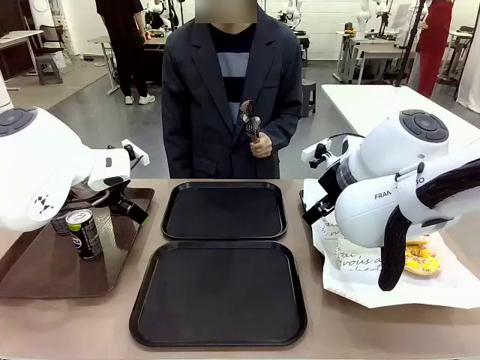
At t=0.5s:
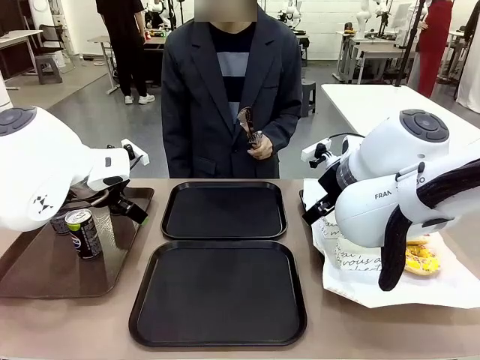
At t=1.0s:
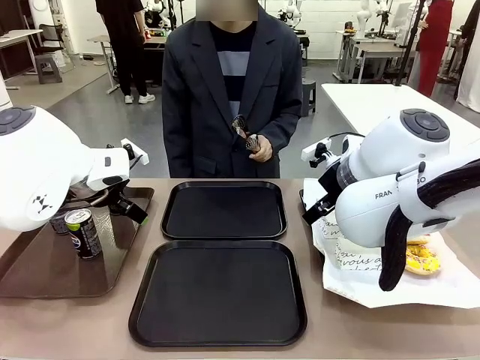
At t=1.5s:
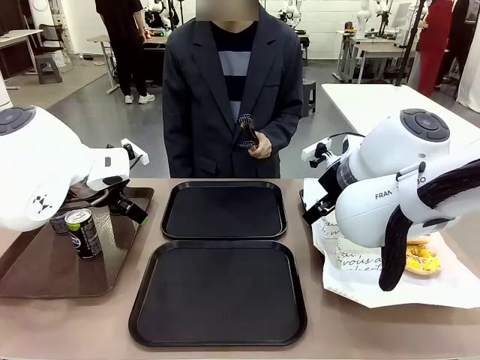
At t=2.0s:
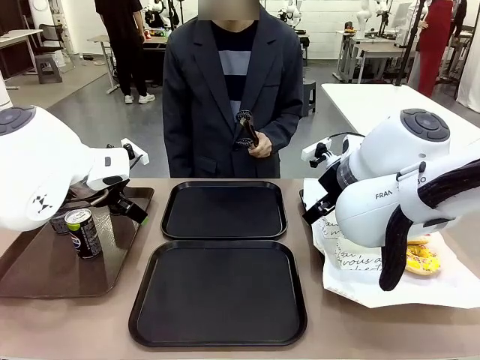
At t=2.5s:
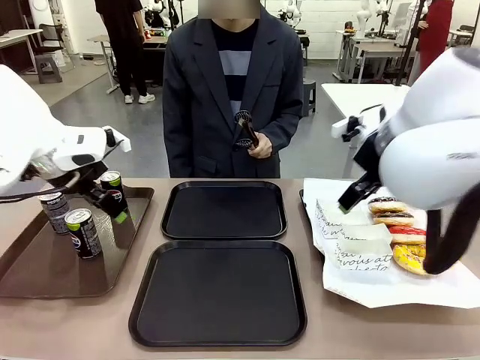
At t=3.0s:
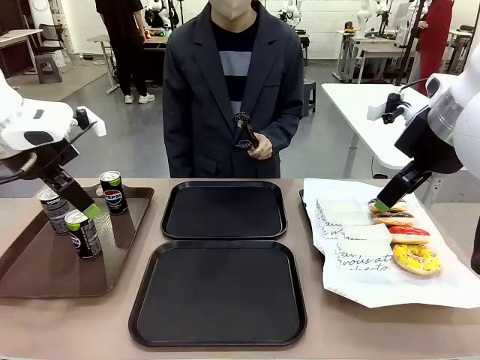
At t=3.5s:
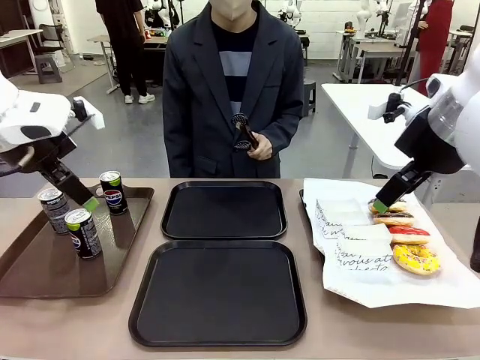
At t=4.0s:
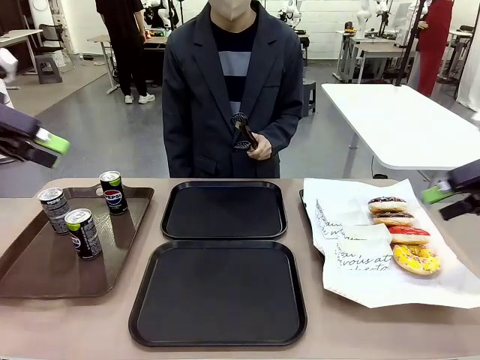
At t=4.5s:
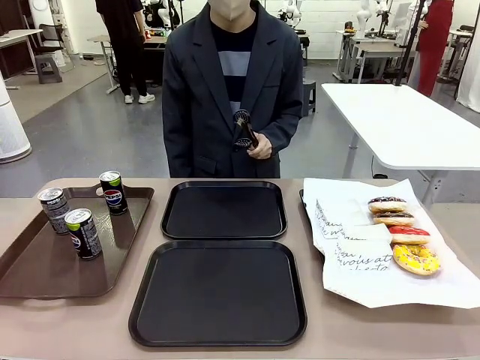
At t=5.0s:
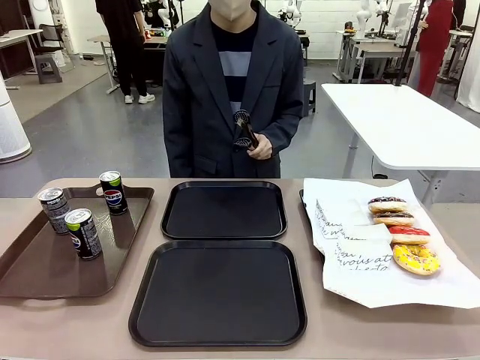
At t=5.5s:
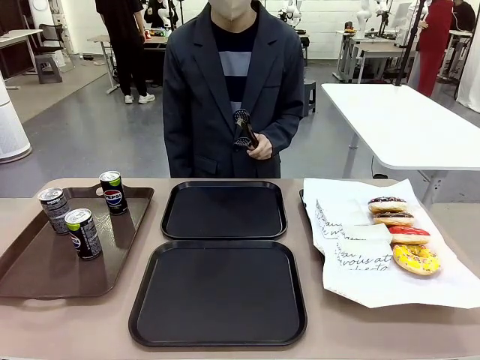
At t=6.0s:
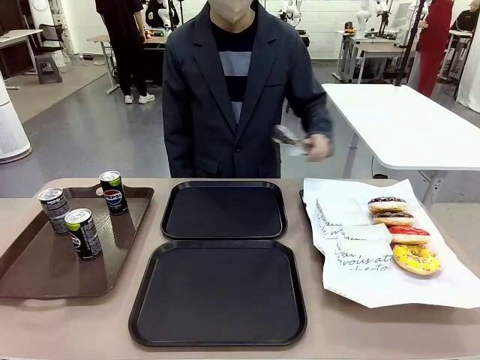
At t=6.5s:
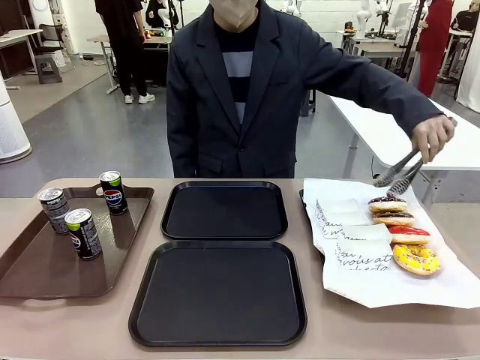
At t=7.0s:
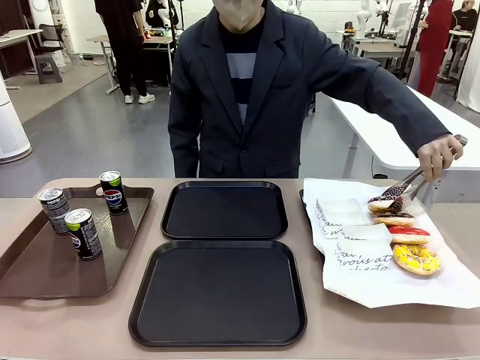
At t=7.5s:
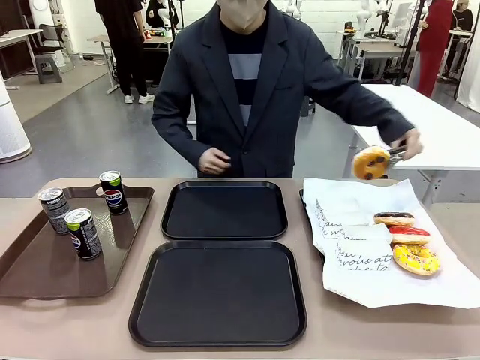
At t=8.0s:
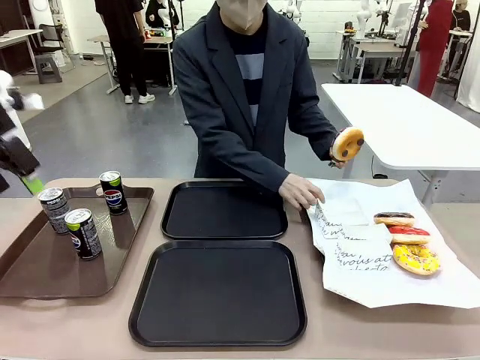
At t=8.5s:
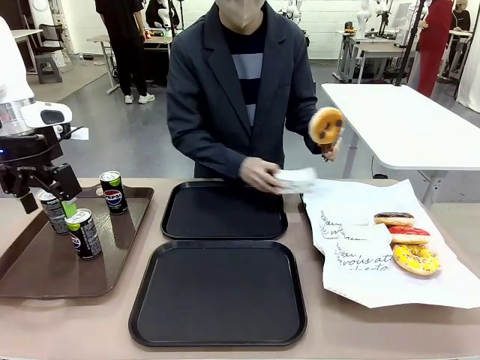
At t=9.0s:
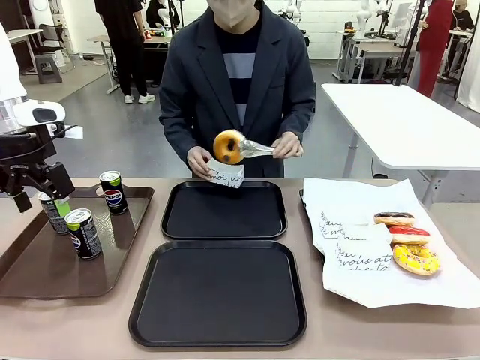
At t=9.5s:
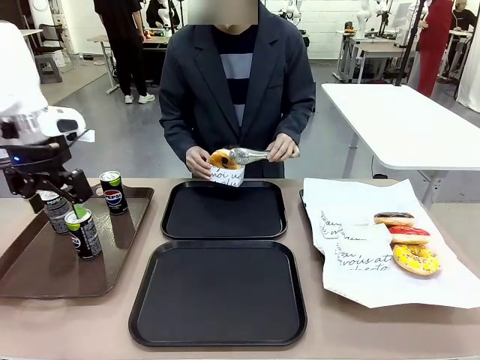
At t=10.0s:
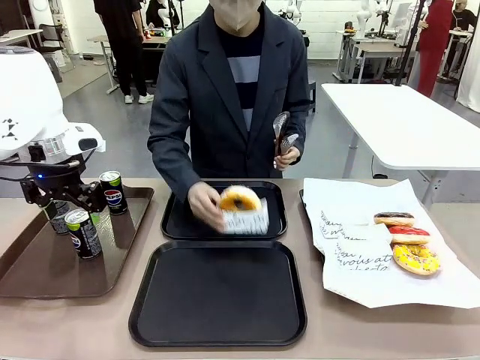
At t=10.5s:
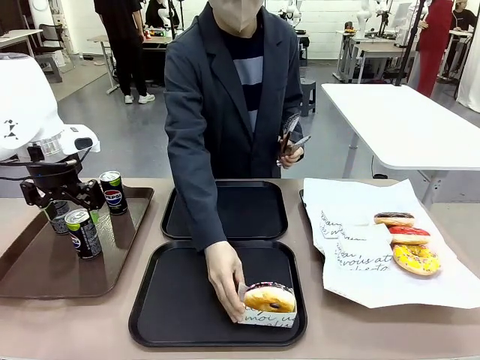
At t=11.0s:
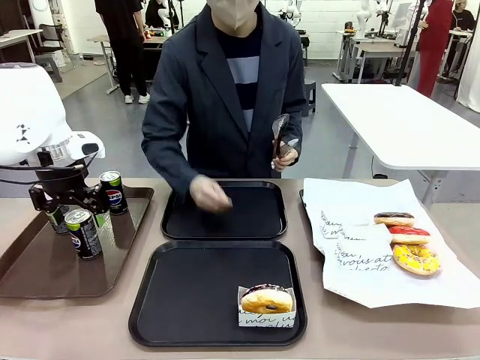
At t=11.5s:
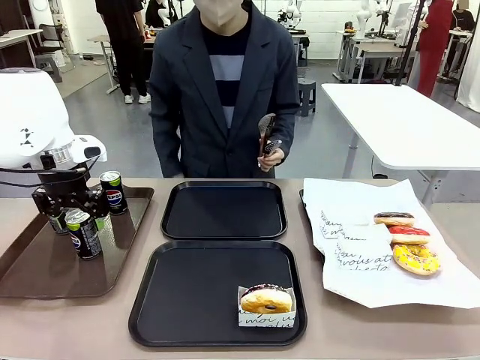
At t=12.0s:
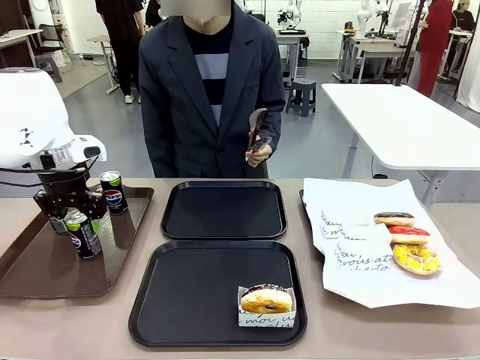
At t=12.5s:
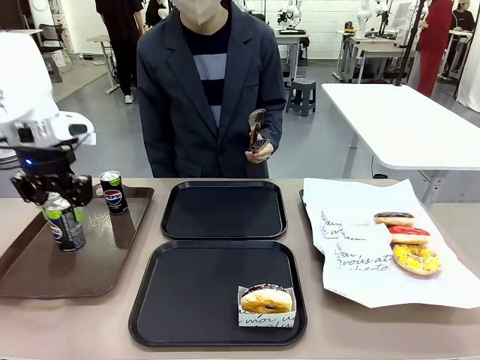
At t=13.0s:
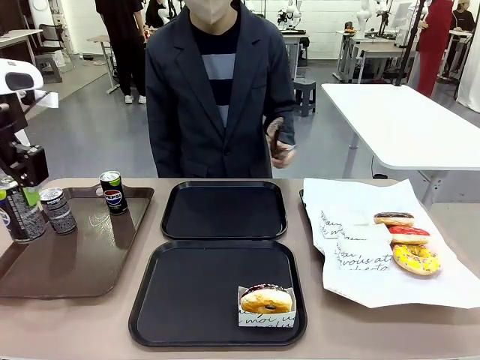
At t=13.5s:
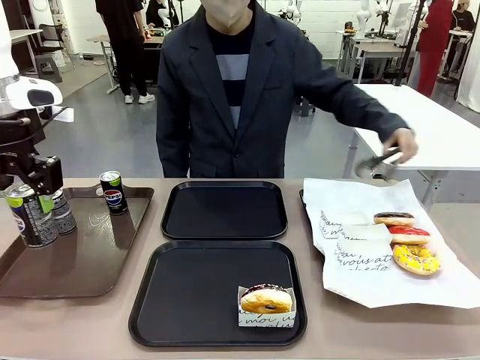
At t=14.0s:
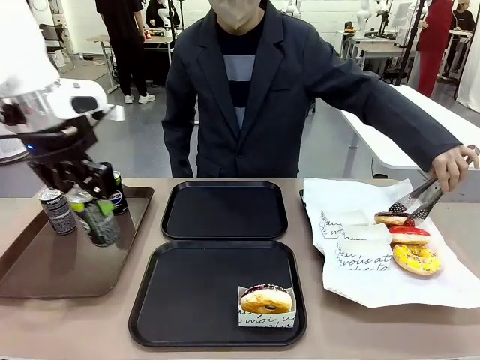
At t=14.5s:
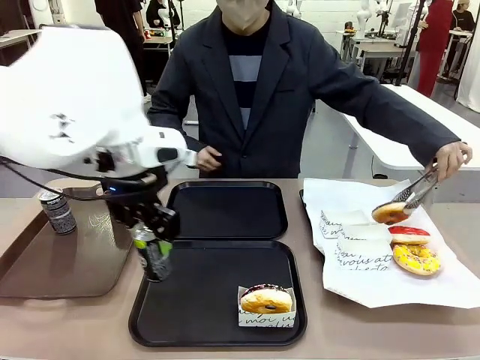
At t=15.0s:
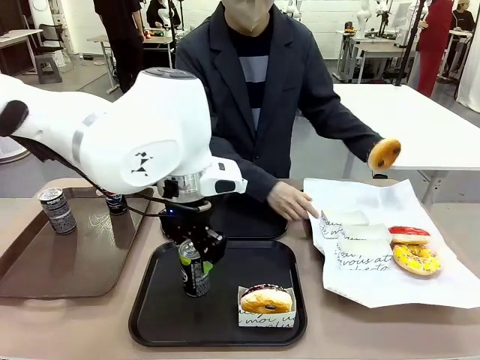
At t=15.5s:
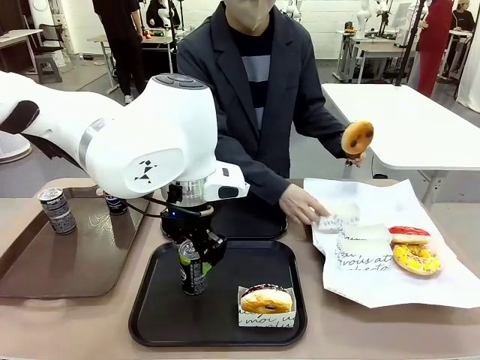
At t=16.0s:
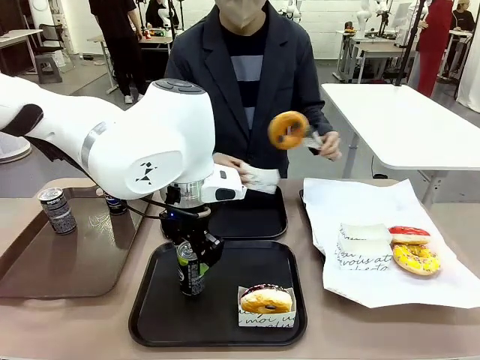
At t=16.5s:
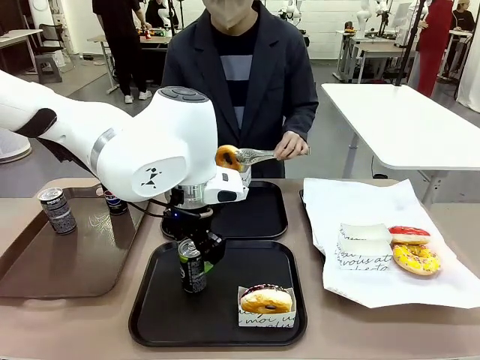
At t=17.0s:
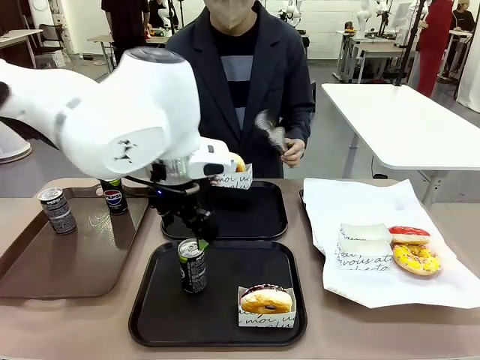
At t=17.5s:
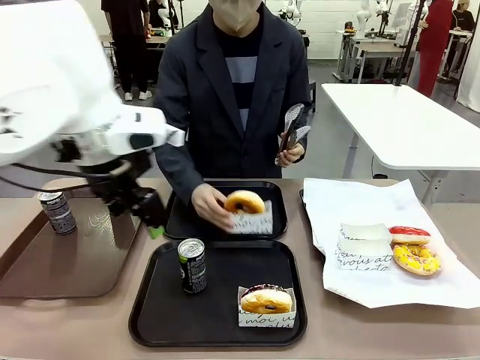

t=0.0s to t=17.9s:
Task: Set up donuts and drinks on trays.
Robot: Pick up one Pepsi coke and place it on the Flat Tray.
